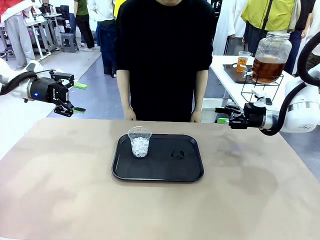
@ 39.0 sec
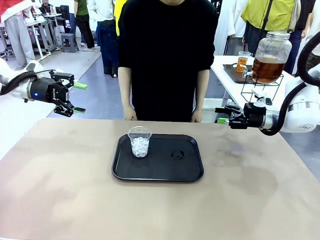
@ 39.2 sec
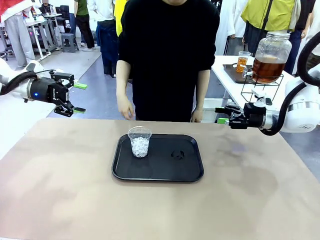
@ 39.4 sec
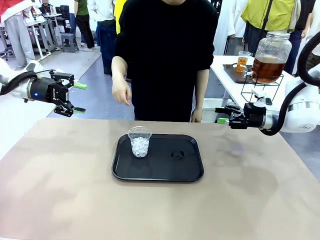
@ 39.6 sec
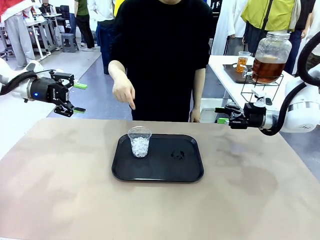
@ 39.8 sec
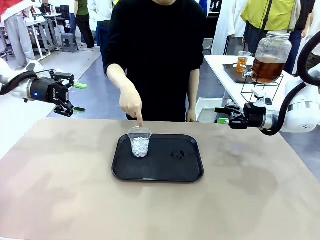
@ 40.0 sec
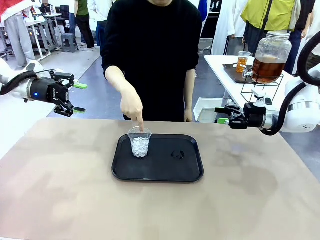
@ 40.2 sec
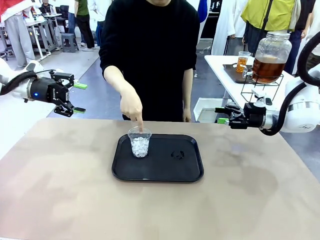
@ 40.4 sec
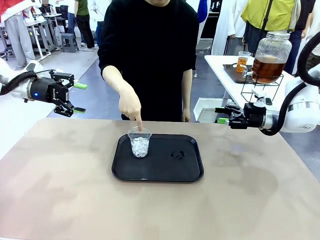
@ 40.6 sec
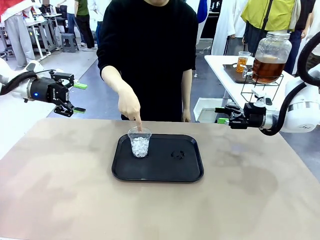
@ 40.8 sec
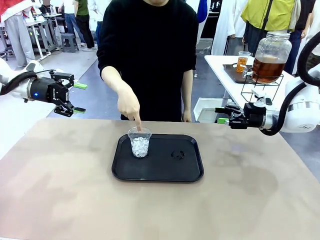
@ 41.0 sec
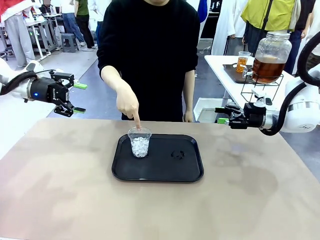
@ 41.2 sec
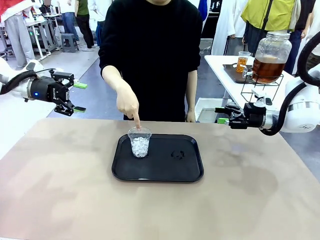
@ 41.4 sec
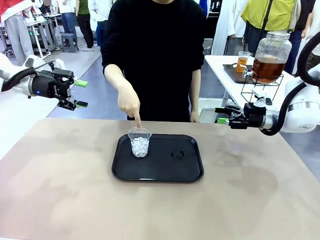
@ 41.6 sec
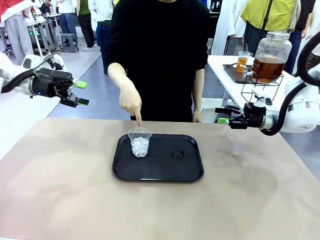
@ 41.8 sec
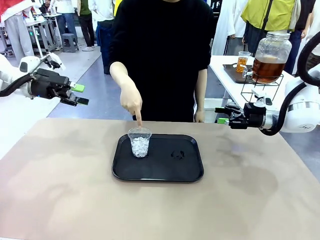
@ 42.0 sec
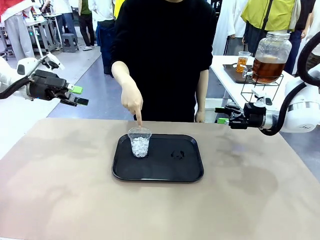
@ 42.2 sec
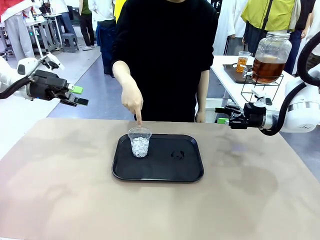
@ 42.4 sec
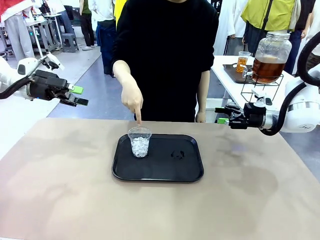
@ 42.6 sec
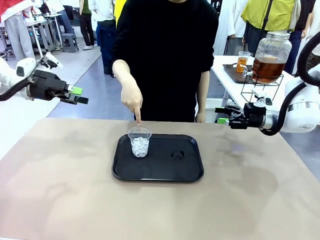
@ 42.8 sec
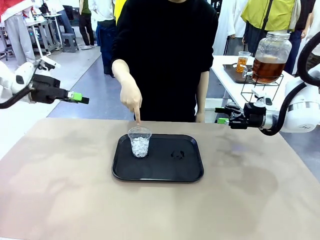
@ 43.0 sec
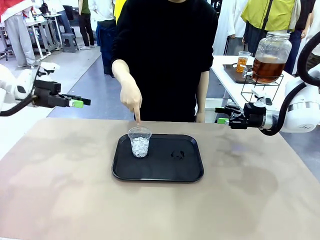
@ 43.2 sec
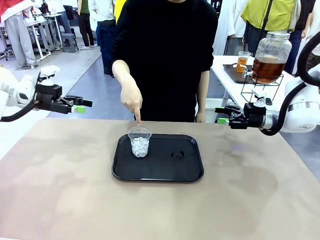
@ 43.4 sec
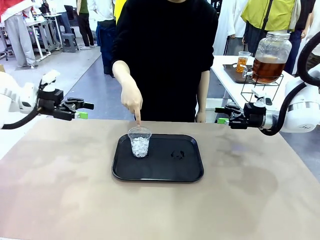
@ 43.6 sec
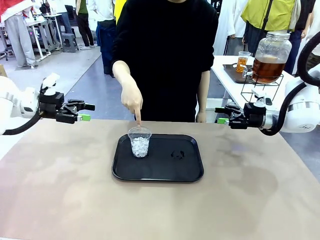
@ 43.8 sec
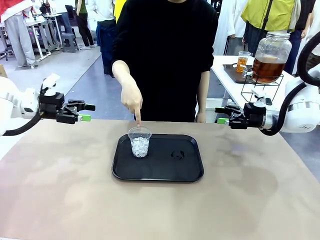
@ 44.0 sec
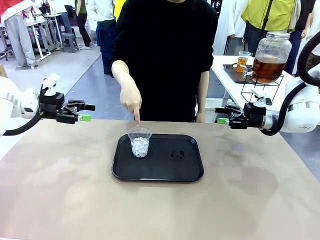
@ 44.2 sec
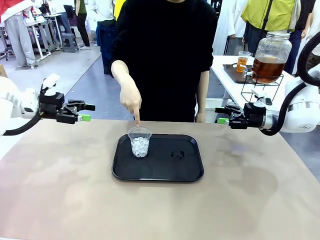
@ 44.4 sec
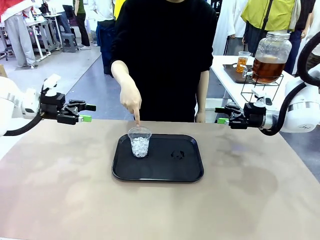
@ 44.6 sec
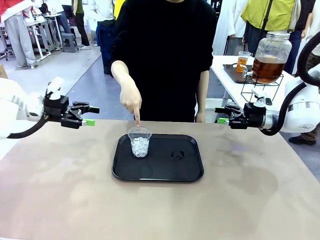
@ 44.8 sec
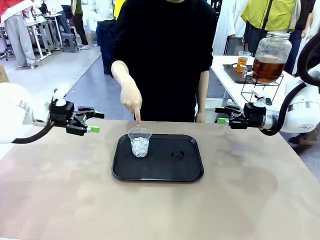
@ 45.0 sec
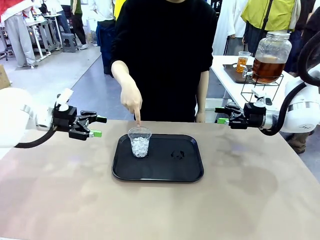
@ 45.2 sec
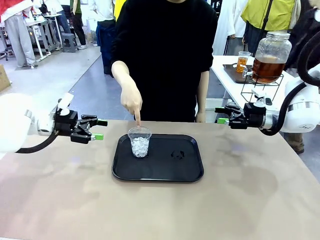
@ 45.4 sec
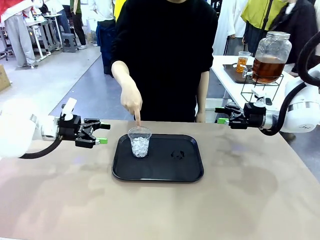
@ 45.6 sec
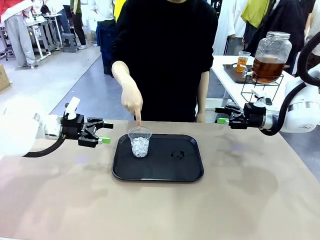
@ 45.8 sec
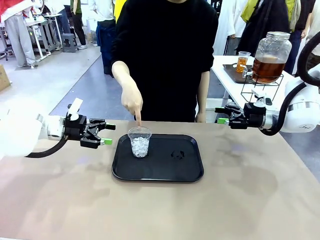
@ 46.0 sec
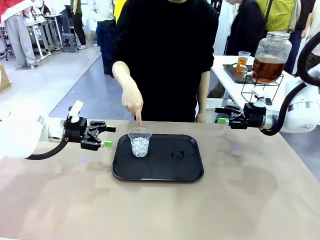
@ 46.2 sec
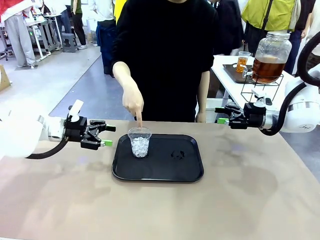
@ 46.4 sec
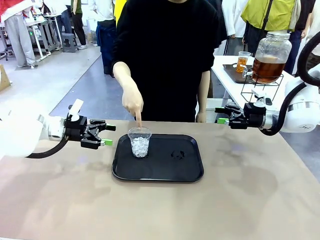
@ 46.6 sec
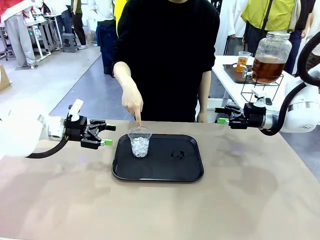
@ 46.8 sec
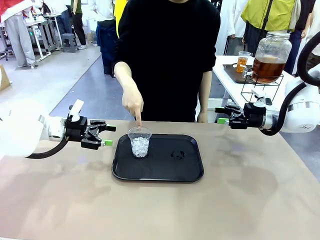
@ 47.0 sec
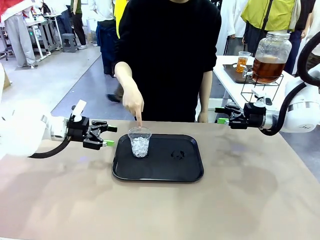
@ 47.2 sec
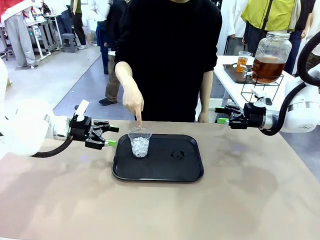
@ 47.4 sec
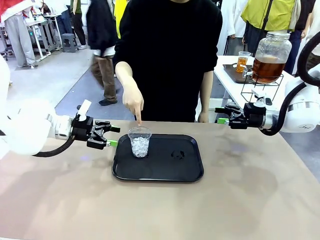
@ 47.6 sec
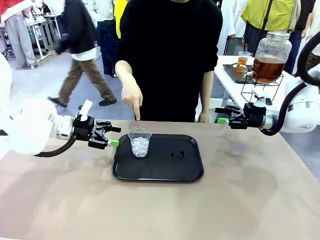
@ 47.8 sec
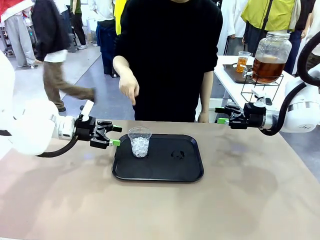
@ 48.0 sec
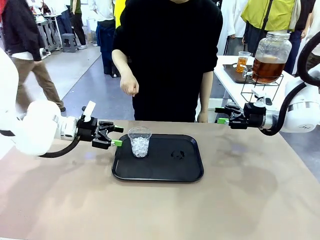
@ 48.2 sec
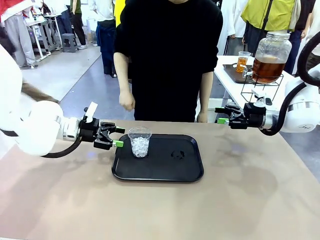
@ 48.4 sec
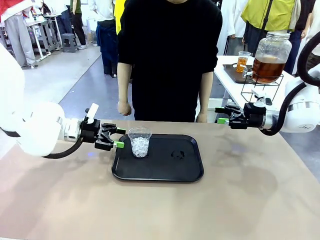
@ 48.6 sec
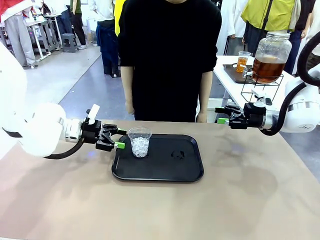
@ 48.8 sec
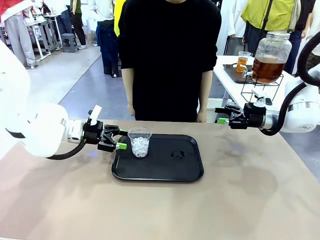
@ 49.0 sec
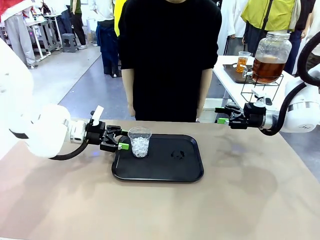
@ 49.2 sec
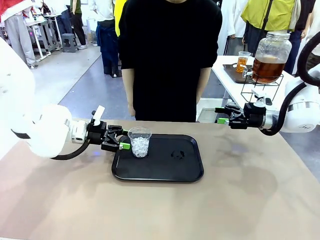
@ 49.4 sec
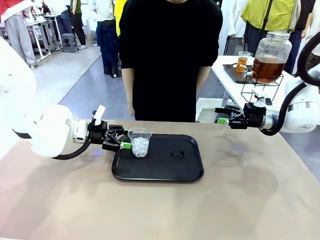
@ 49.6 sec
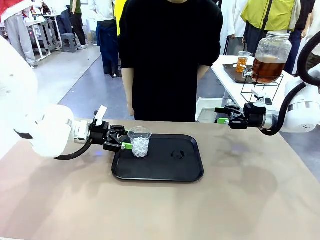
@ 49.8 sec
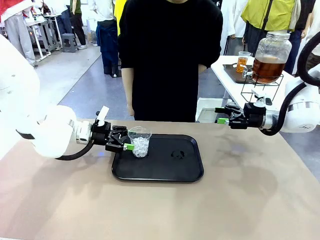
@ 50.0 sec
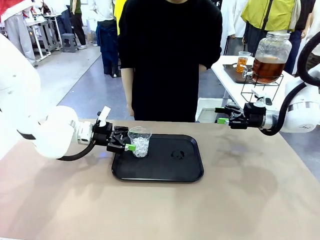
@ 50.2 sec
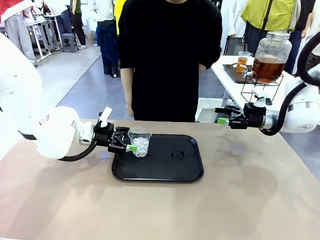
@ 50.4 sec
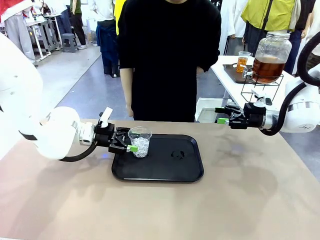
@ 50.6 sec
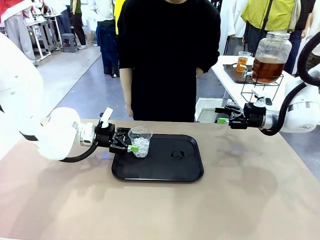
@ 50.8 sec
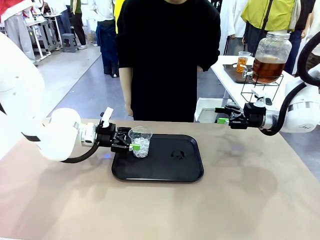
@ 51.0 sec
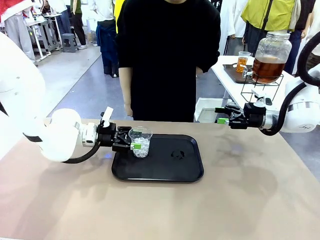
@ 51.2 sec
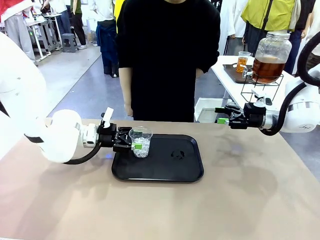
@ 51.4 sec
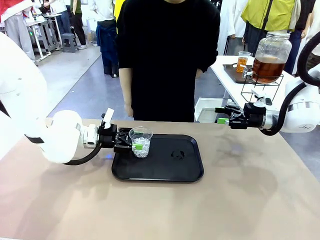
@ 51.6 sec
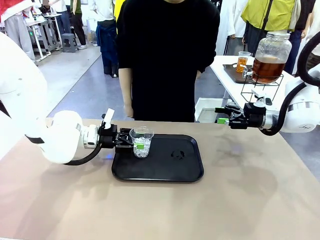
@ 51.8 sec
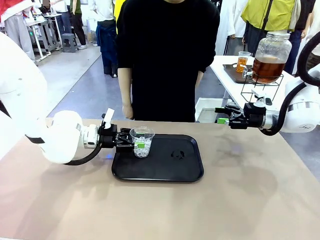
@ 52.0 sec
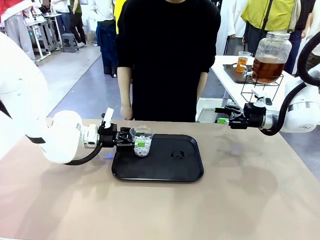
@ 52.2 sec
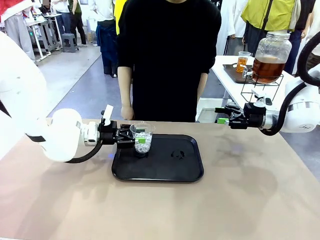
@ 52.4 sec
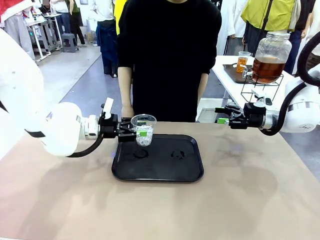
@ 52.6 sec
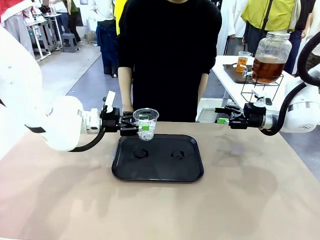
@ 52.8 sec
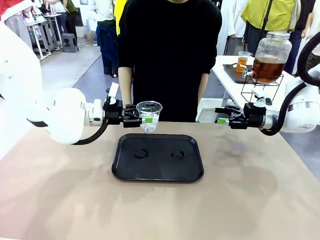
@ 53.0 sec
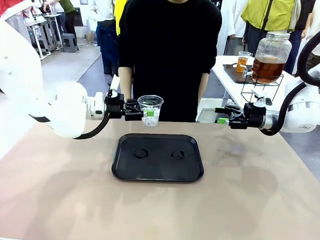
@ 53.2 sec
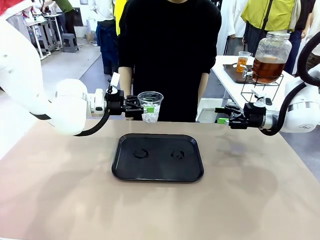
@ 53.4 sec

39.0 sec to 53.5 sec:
Task: Pour the drink into the iced cup.
Robot: Pick up the iced cup indicated by the human and present it to them.
Person: Pick up the cup offered by the robot.
